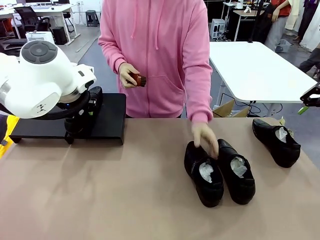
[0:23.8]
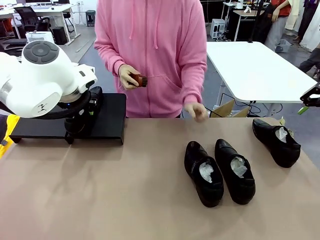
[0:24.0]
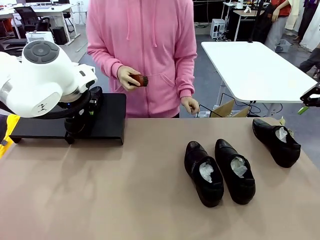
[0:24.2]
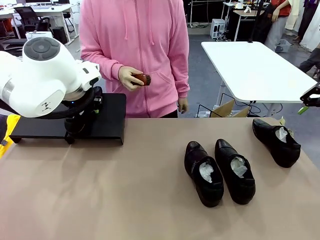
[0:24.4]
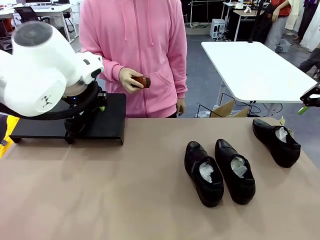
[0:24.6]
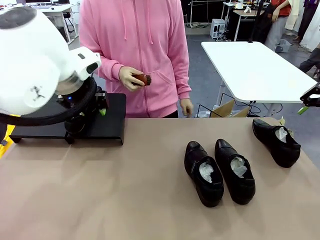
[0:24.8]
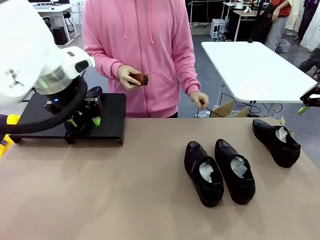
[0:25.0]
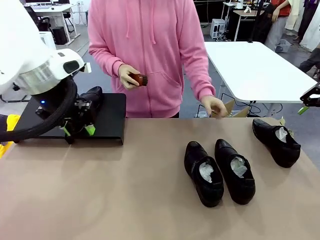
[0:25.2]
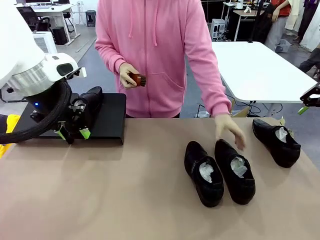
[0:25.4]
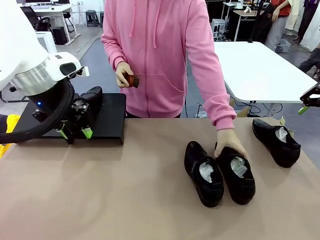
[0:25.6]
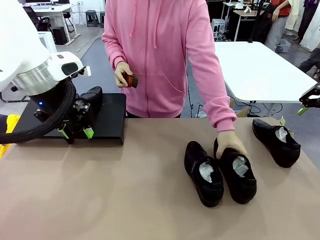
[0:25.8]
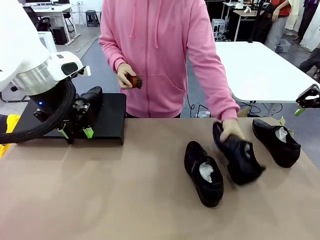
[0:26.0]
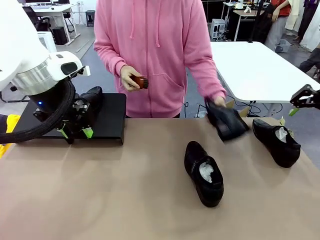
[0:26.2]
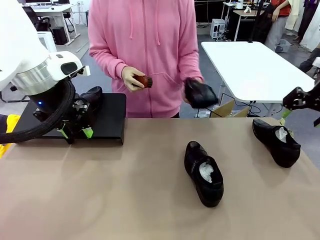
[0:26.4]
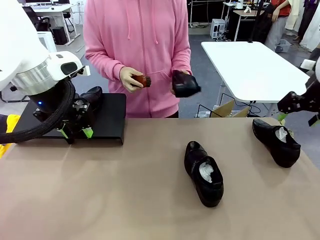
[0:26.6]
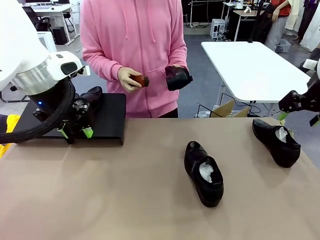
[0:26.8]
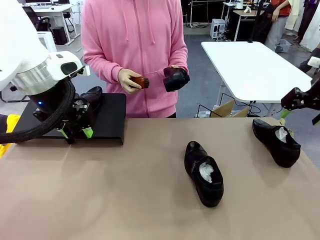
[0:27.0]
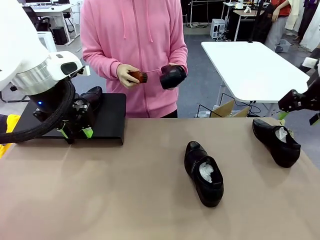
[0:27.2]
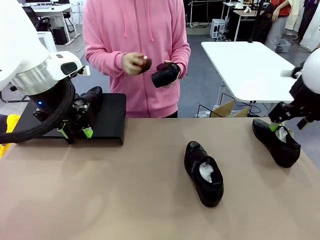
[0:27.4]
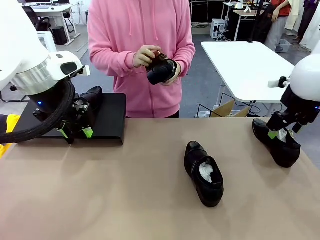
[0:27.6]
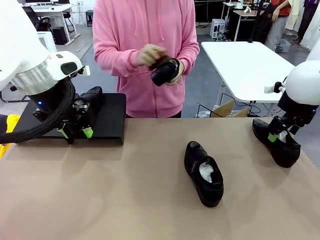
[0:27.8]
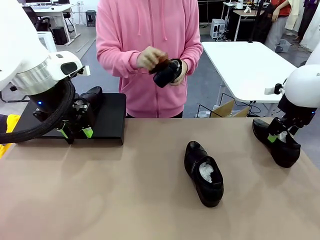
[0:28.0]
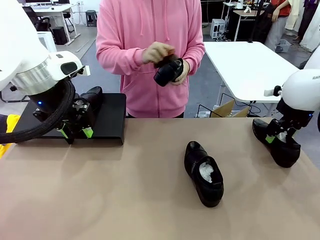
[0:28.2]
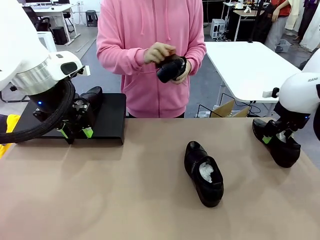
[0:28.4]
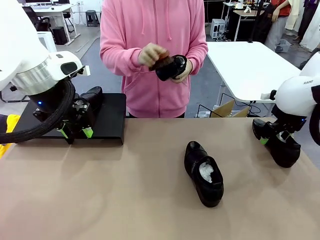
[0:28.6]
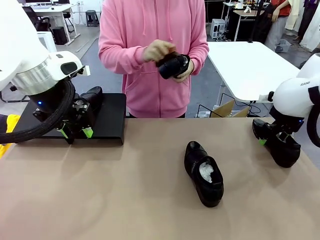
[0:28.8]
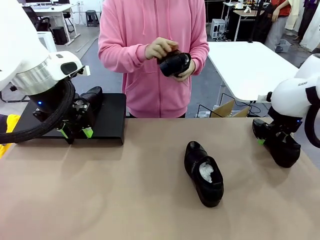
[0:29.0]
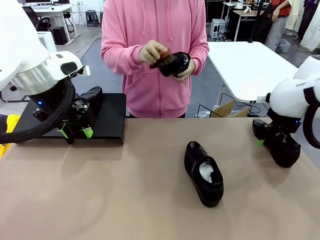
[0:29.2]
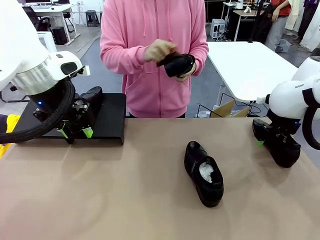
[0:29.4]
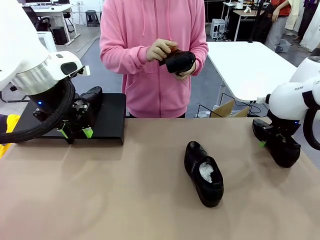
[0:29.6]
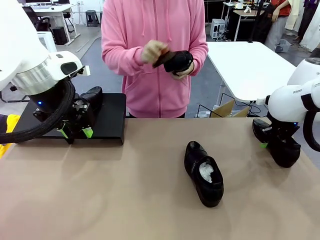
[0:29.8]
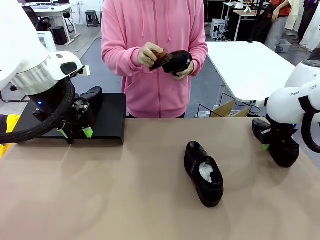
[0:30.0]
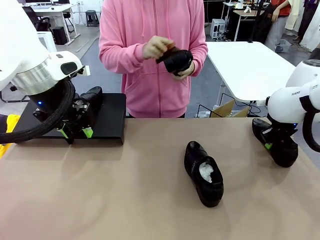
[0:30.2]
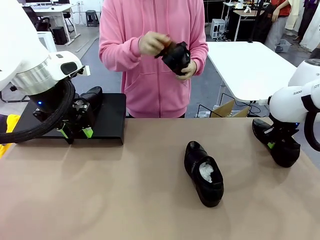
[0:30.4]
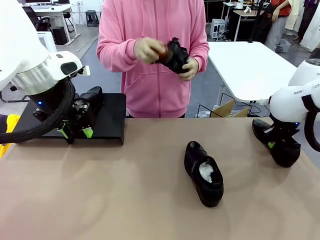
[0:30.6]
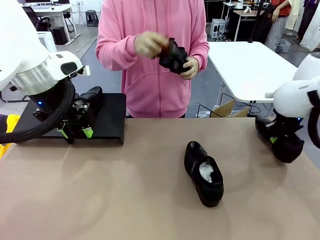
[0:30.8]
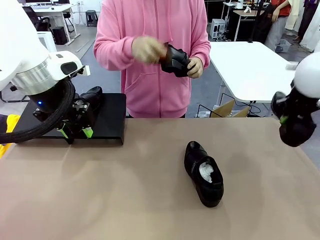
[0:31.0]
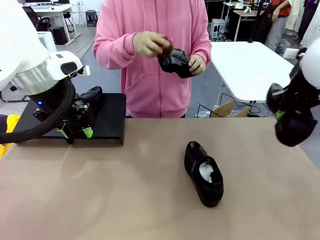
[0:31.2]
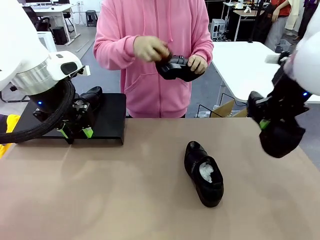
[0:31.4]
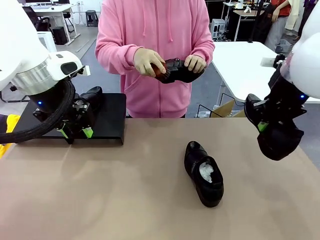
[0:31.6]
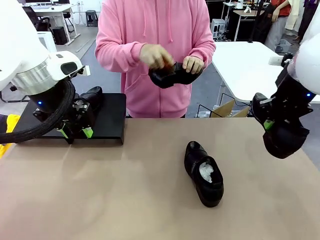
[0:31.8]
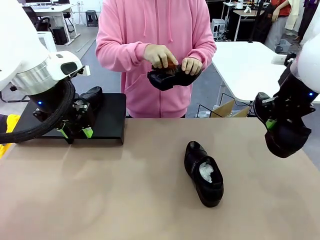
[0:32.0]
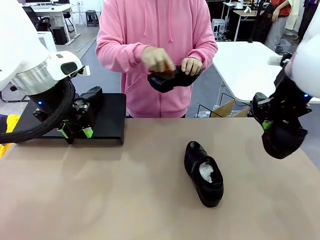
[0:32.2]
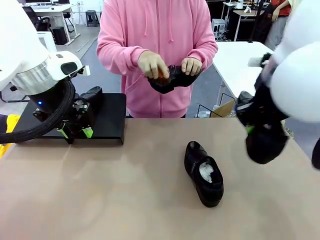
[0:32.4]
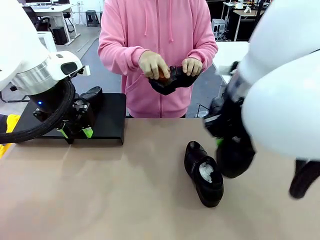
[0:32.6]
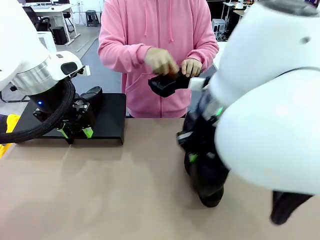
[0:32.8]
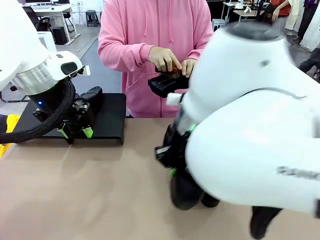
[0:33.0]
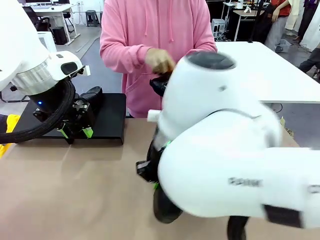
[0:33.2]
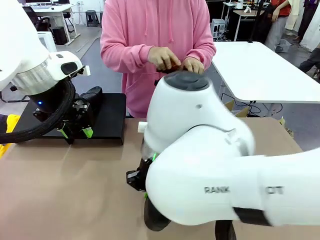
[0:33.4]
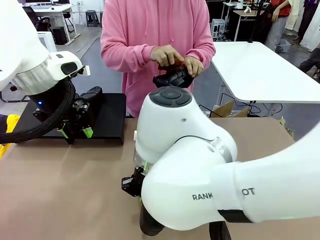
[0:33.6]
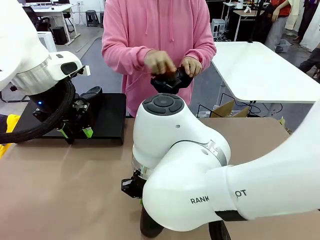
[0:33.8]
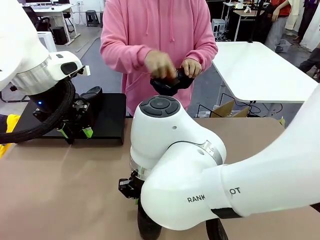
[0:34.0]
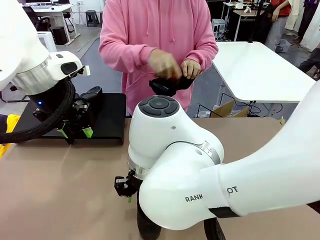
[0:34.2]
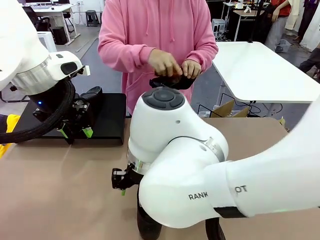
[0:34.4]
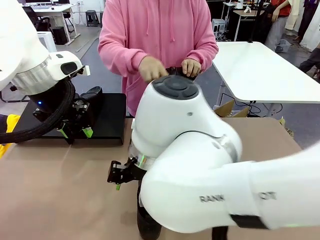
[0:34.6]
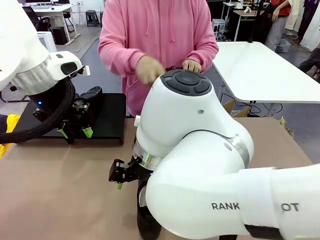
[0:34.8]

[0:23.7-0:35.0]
Task: Organize the shoes by placing them on the stand.
Robot: Pick up one Shoe and place it in the middle of the table.
Person: Pick one Shoe on Robot's table.

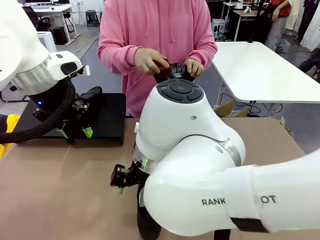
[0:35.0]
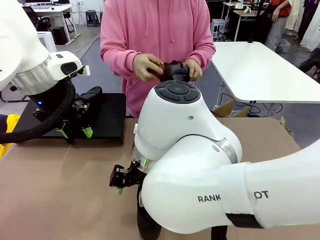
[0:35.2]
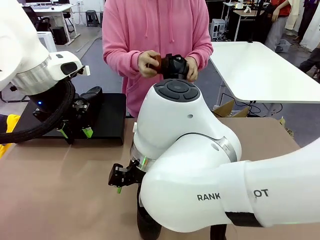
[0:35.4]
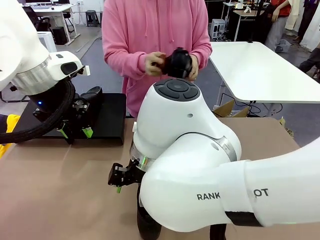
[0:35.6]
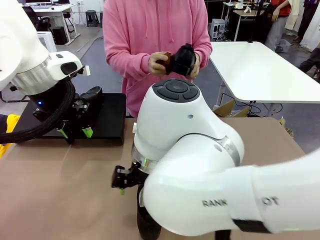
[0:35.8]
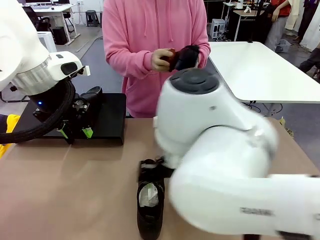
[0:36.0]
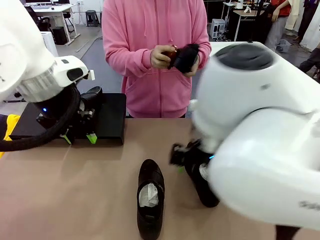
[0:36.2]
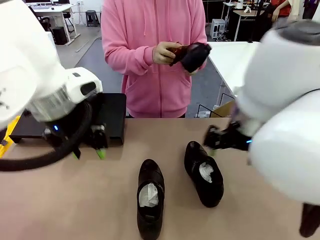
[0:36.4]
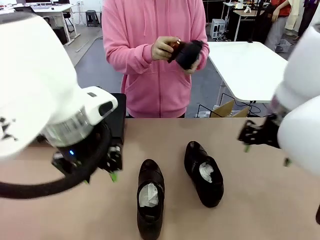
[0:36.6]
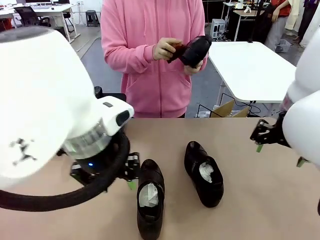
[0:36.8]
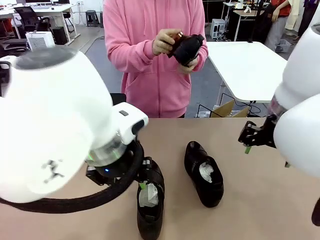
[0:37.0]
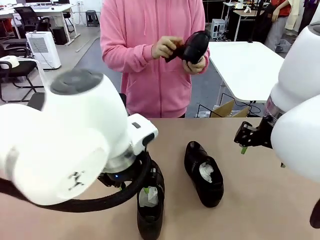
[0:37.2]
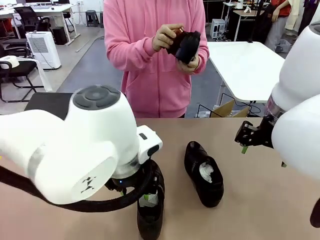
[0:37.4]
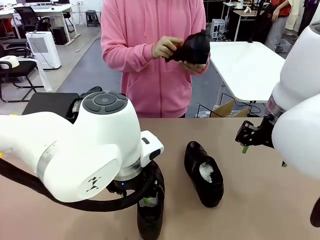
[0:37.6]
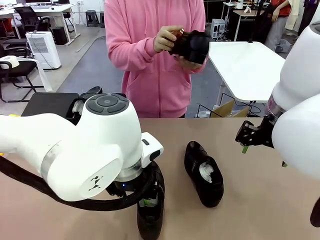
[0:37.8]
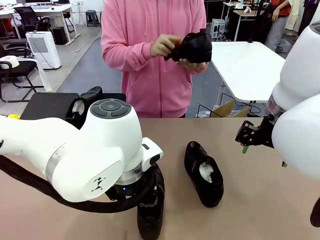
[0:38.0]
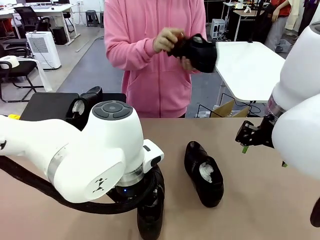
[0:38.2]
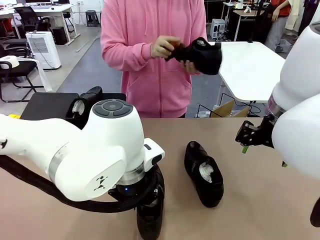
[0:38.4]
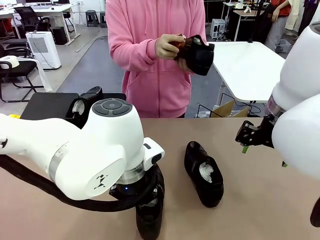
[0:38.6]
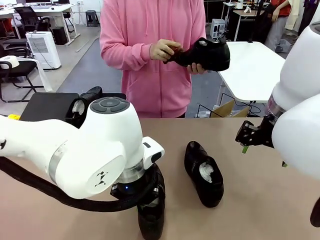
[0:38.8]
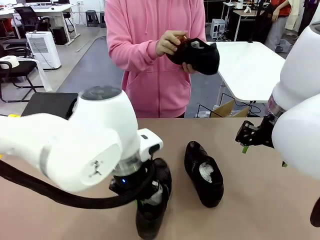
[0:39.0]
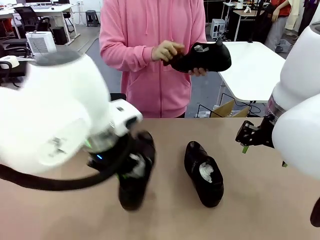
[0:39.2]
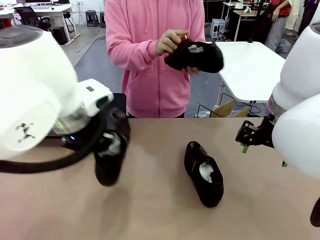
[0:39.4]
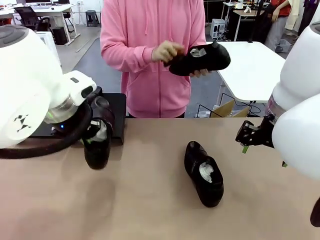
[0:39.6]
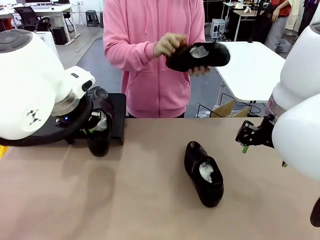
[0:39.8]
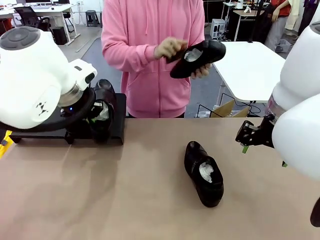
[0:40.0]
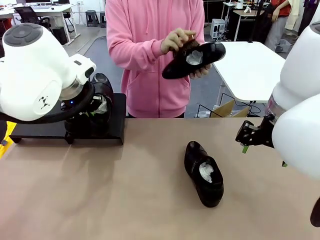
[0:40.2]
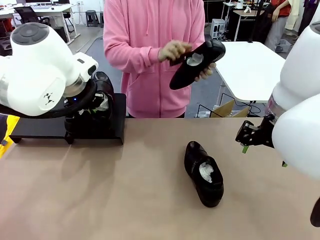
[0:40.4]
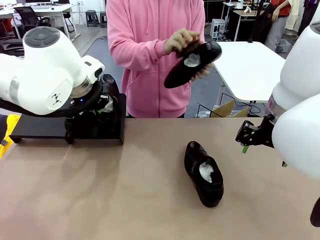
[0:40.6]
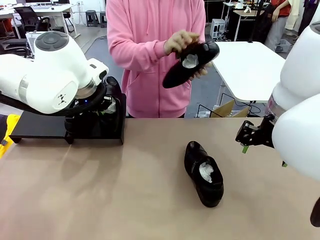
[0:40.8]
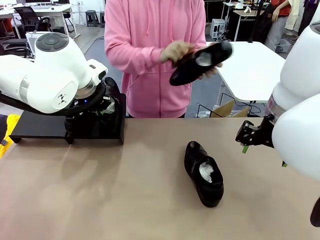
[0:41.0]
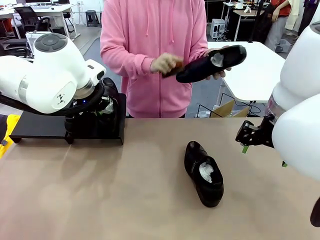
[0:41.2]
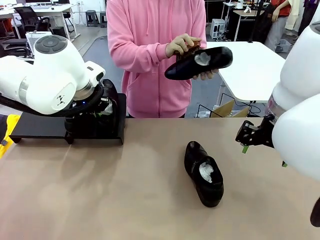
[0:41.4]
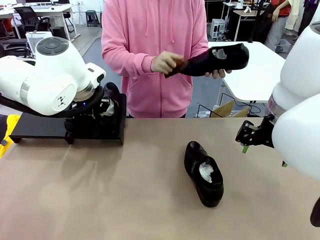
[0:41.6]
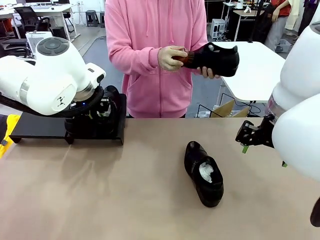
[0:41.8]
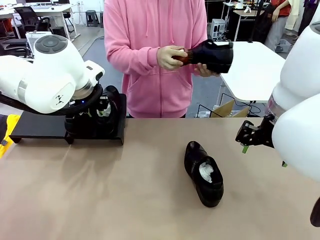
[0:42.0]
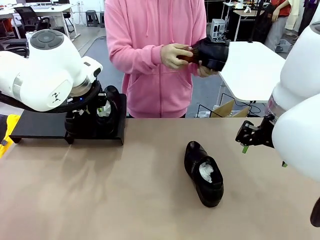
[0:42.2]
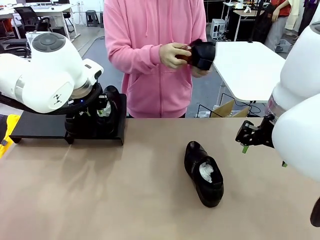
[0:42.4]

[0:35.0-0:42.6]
Robot: Place the Shoe from the middle of the table onto the Shoes Stand.
